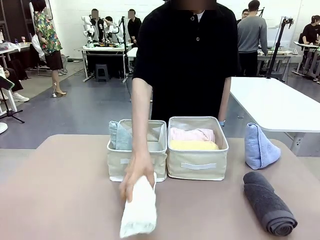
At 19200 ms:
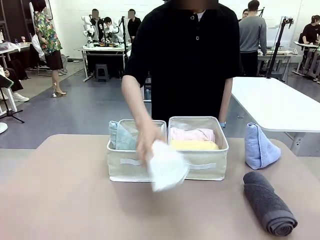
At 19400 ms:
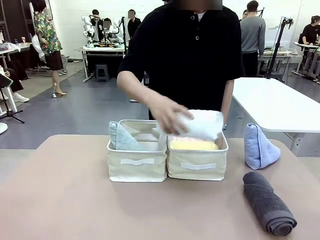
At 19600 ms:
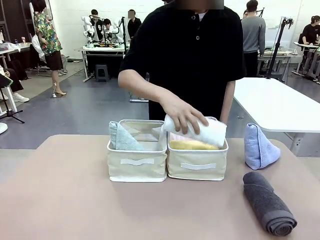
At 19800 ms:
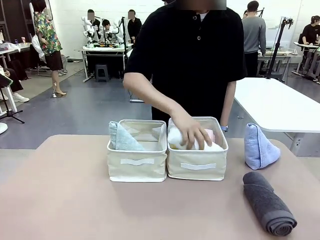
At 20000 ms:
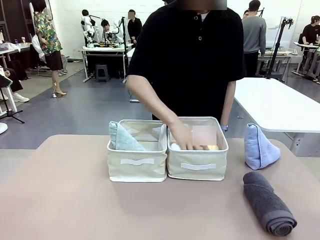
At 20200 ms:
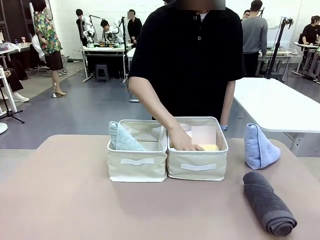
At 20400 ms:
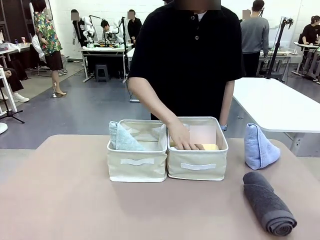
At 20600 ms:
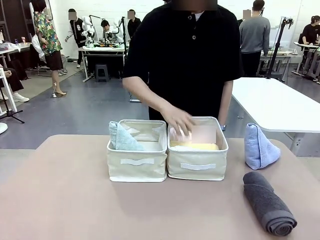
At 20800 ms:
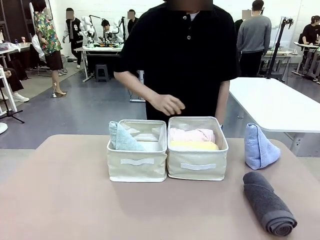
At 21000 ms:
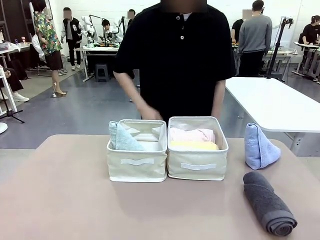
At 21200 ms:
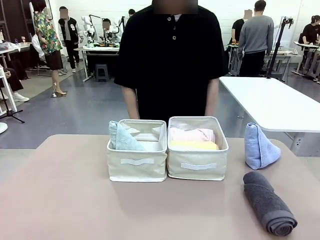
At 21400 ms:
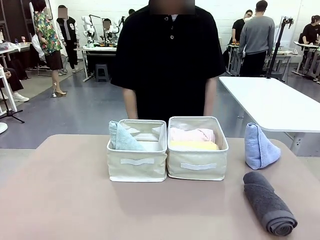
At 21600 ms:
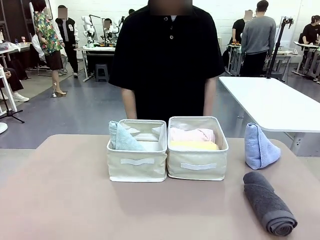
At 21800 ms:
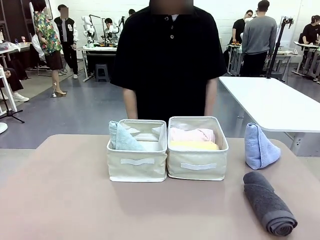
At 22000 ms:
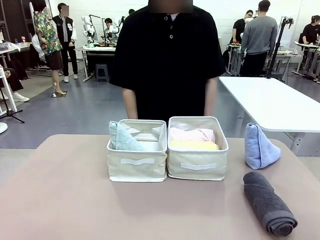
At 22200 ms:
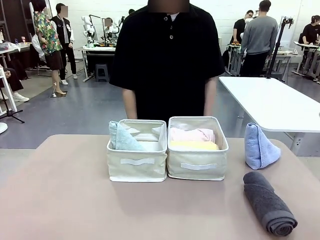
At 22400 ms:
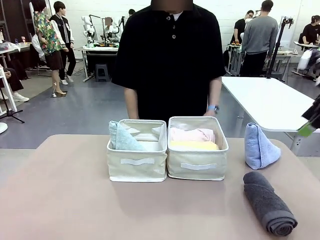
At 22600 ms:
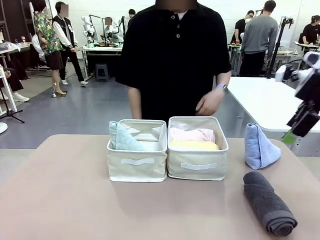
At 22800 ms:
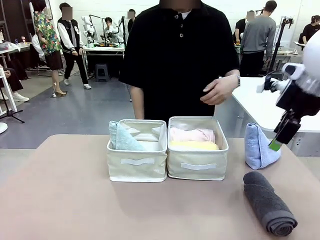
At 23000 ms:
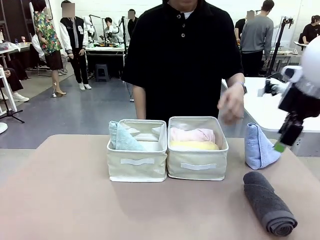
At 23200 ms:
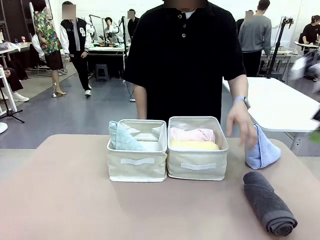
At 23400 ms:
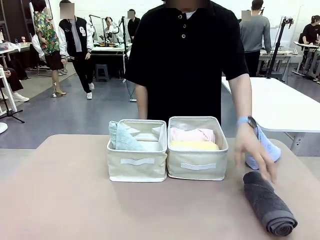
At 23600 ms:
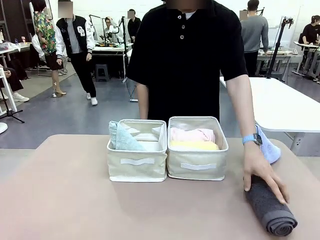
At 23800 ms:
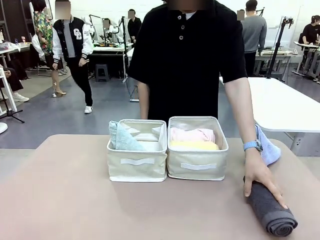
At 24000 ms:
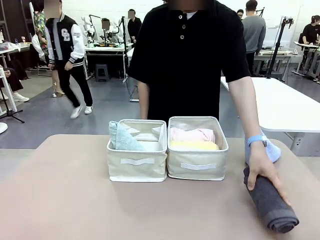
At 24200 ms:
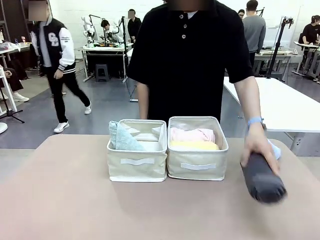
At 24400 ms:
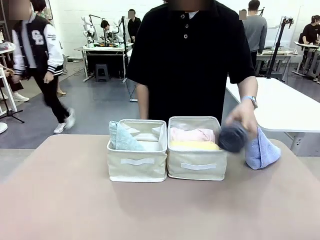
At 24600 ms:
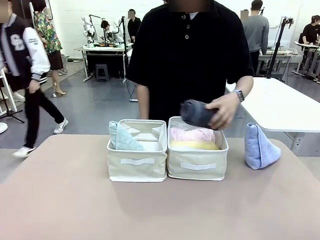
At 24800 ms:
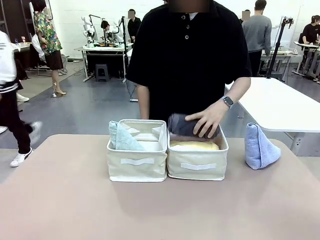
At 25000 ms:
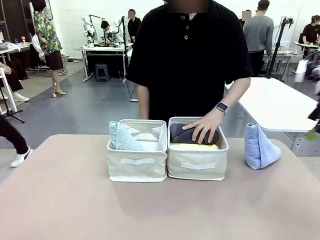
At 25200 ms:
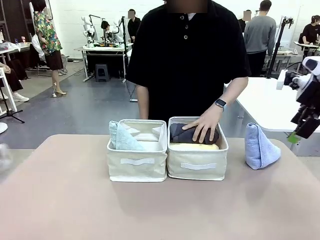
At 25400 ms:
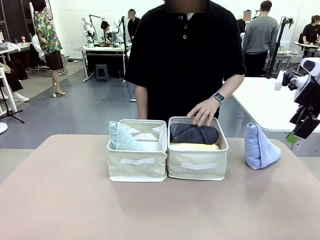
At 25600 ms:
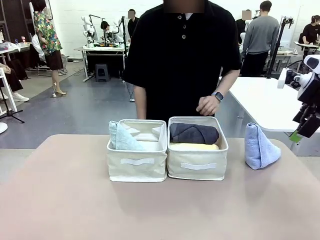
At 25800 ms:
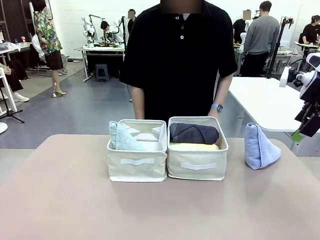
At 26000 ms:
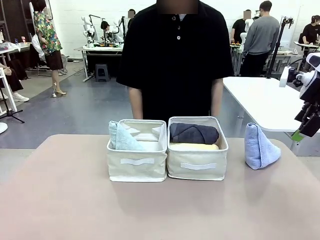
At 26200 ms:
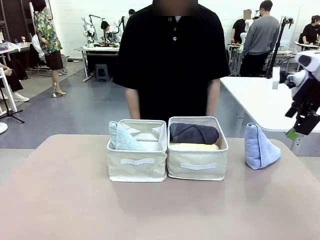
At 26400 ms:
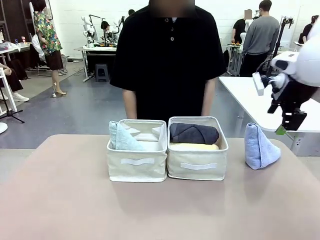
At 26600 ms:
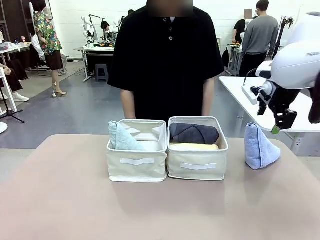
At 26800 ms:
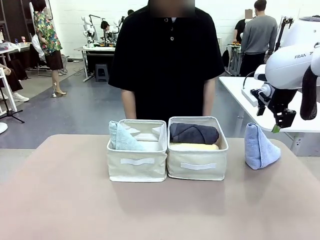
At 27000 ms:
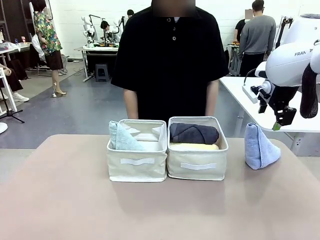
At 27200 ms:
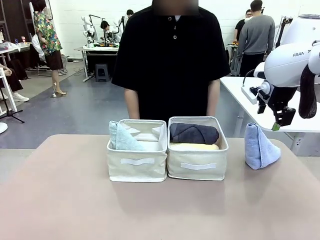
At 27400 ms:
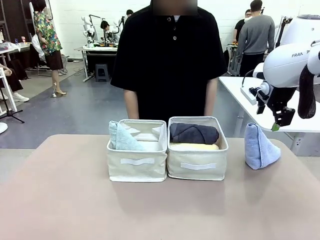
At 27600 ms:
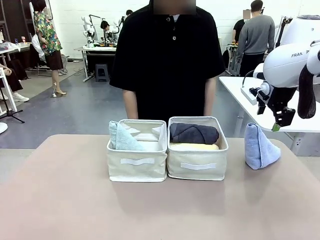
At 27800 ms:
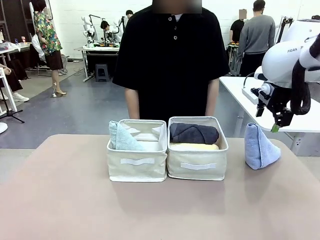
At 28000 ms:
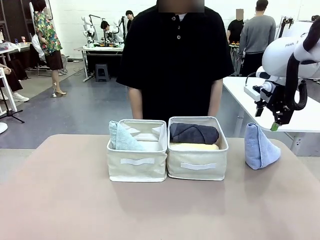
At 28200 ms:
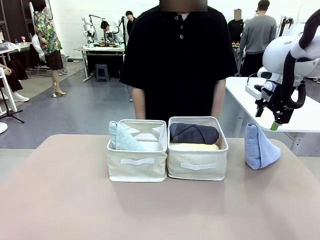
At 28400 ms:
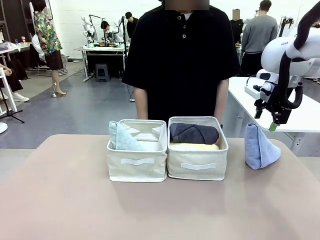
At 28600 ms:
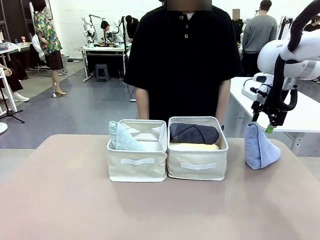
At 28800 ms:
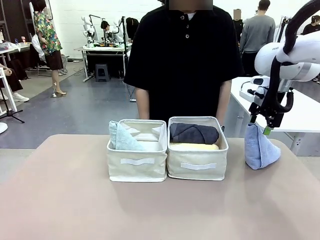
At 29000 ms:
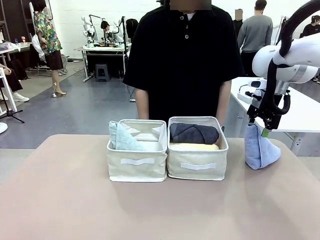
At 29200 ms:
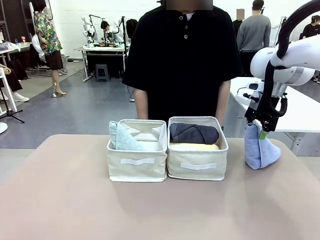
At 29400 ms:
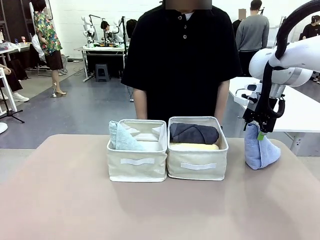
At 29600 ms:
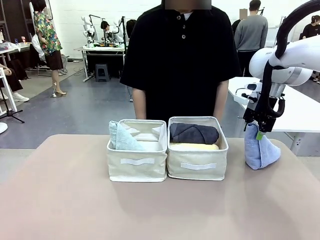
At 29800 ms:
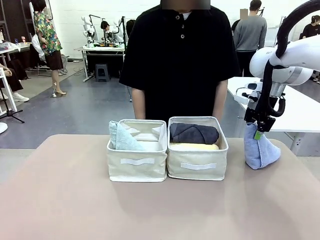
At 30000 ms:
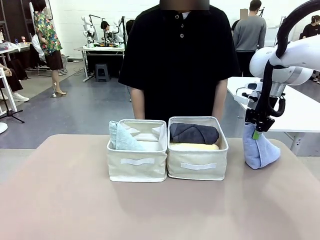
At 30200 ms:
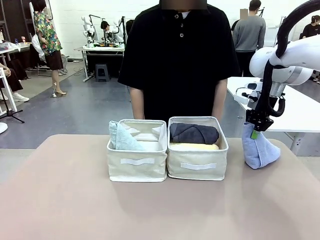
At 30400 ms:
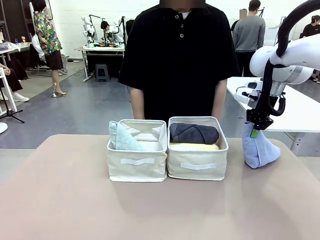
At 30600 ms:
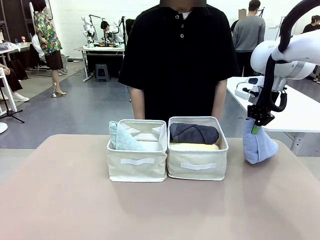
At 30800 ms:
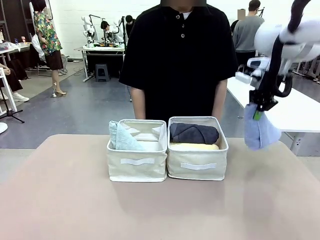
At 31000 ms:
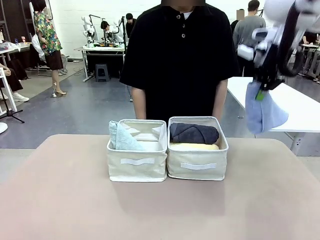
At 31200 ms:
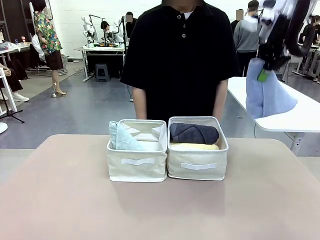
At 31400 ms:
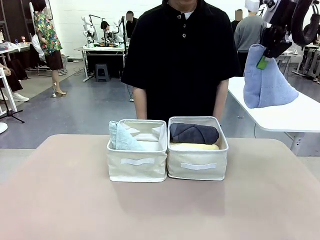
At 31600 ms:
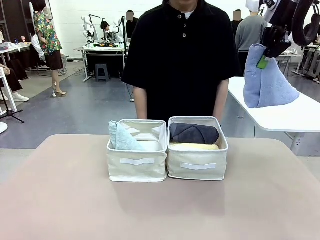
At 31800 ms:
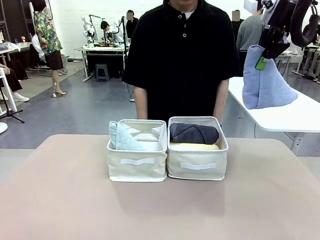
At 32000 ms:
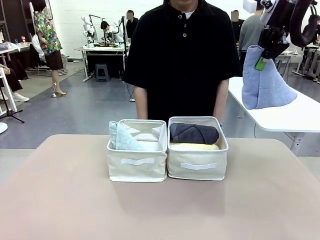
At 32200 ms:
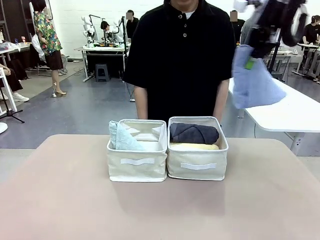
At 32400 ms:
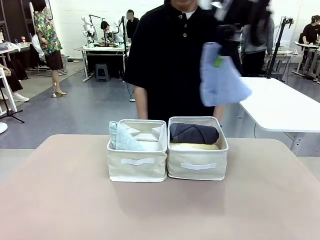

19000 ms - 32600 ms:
Task: Sort the towels based on their folding style.
Robot: Pick up another triangle-folded towel from the table and place it in the left Fabric basket.
